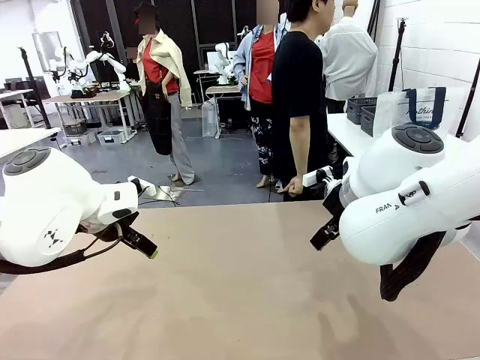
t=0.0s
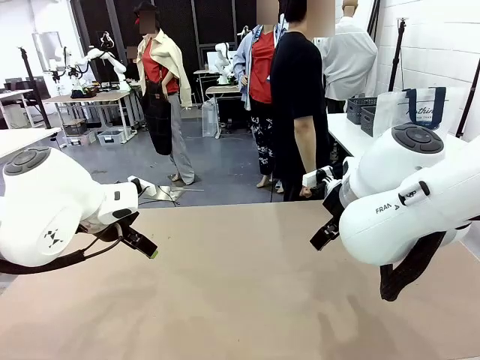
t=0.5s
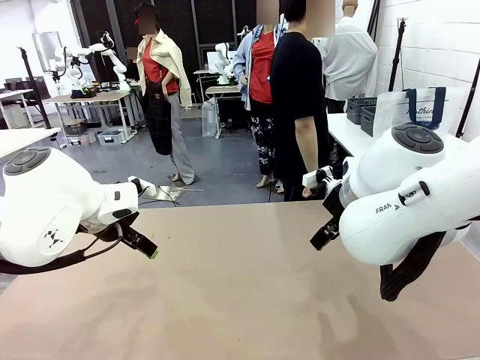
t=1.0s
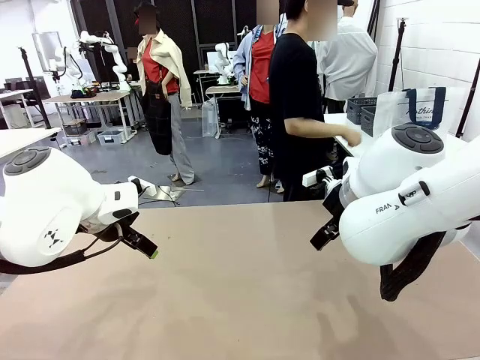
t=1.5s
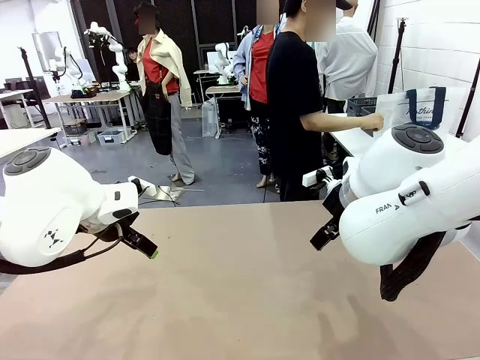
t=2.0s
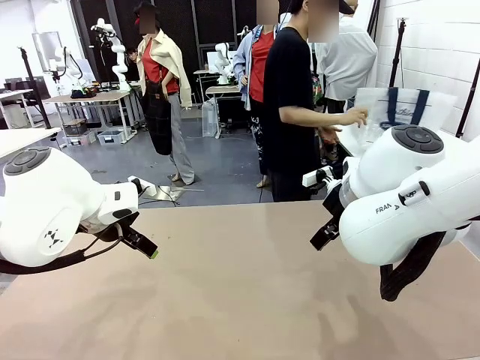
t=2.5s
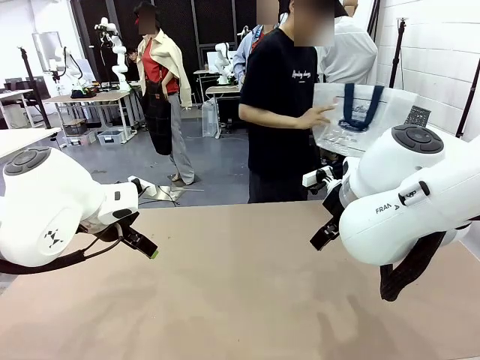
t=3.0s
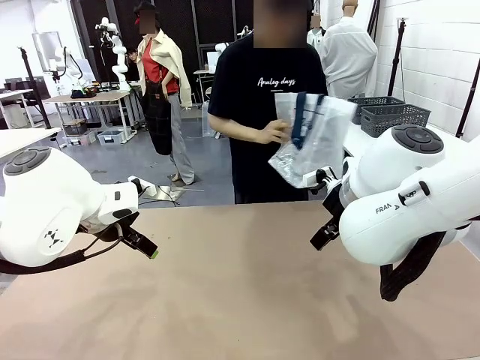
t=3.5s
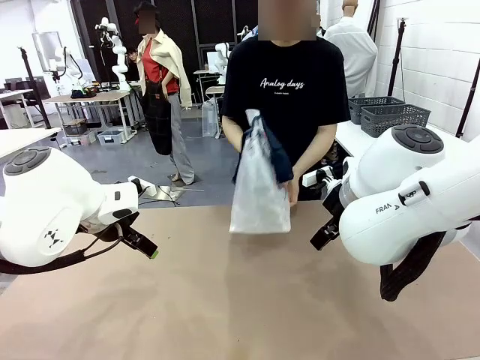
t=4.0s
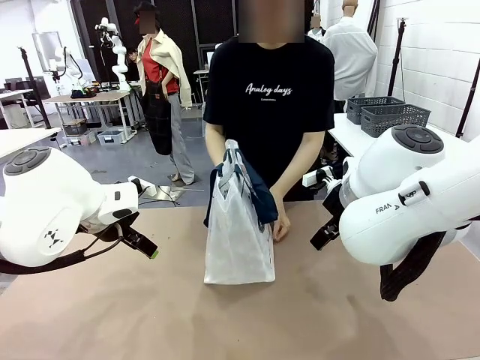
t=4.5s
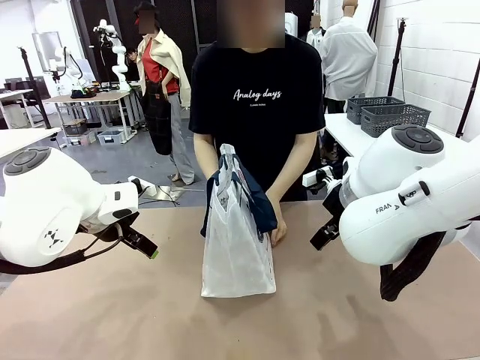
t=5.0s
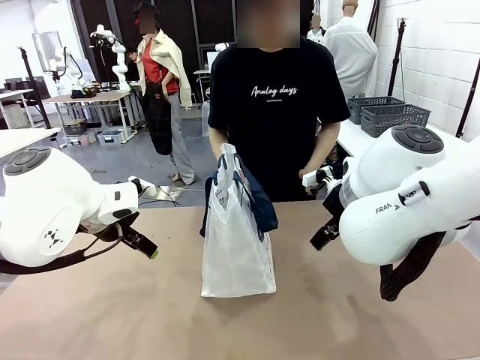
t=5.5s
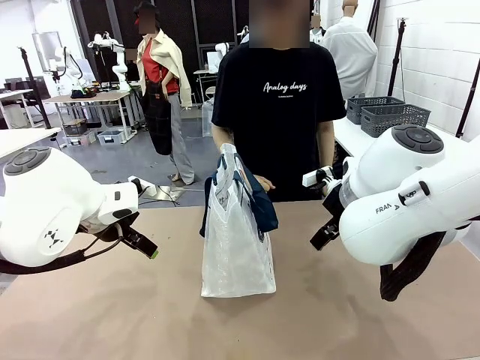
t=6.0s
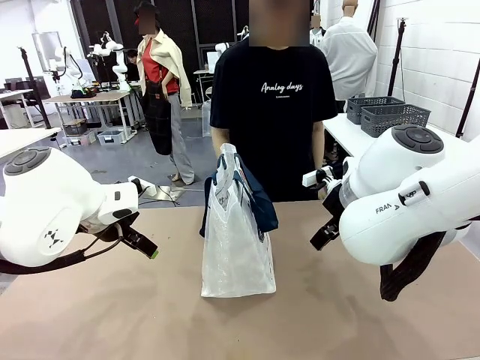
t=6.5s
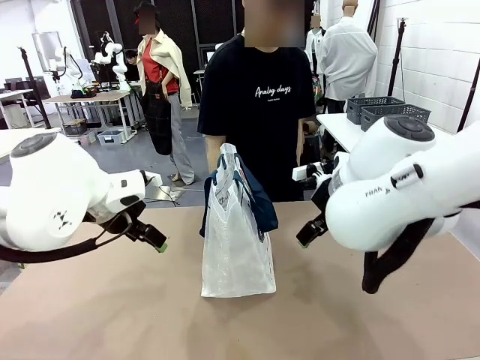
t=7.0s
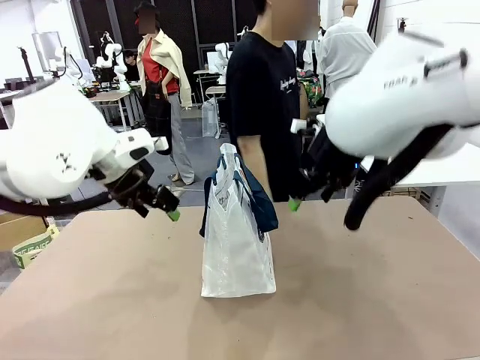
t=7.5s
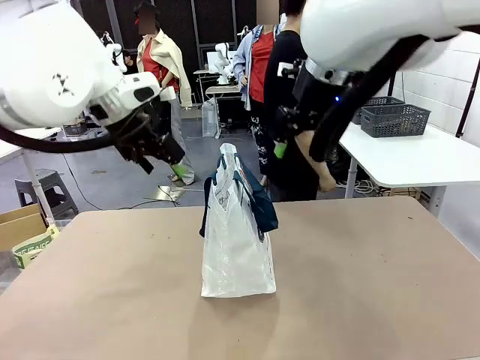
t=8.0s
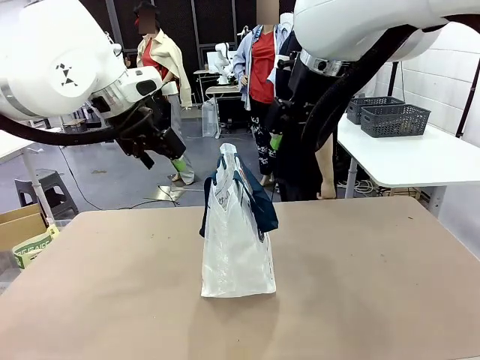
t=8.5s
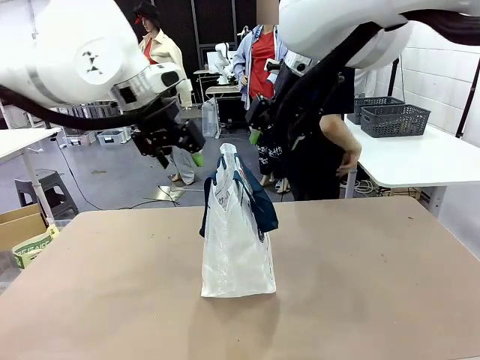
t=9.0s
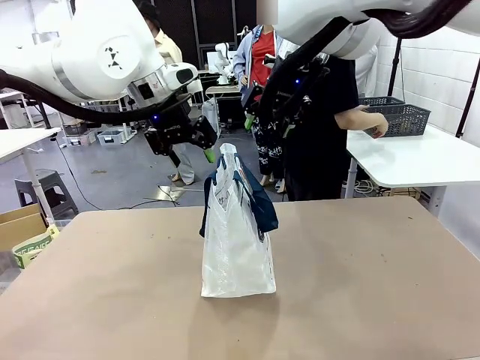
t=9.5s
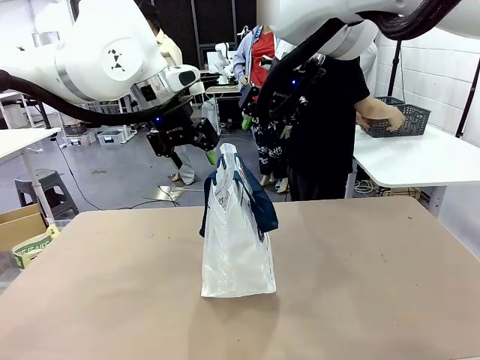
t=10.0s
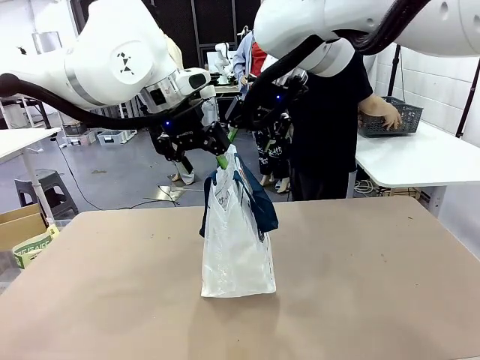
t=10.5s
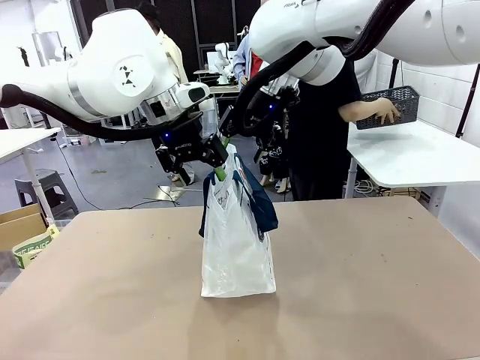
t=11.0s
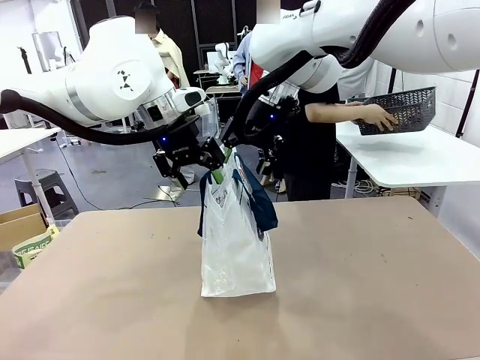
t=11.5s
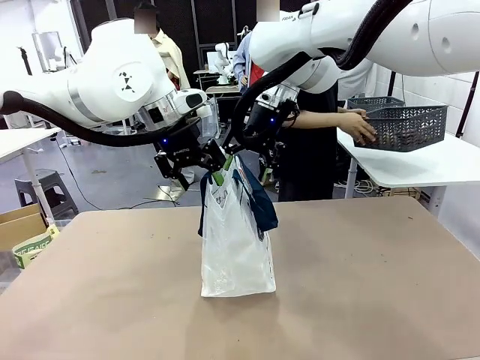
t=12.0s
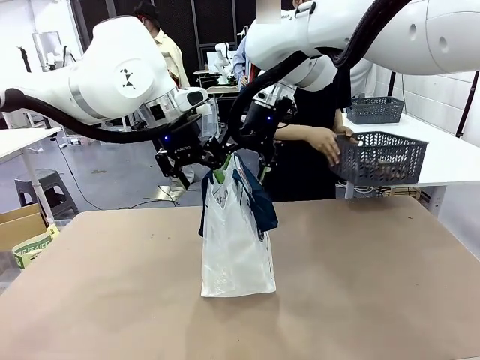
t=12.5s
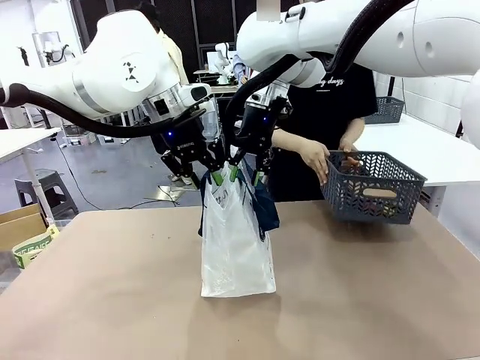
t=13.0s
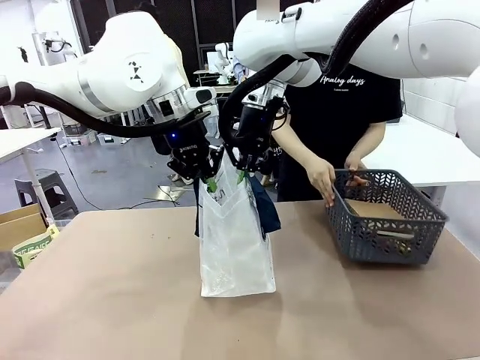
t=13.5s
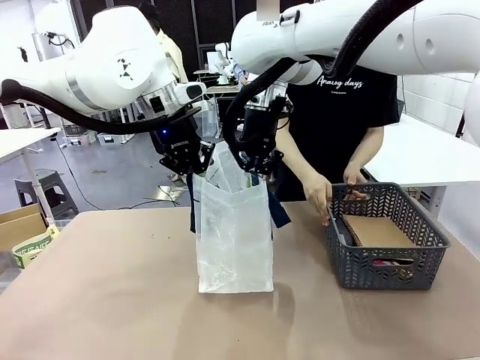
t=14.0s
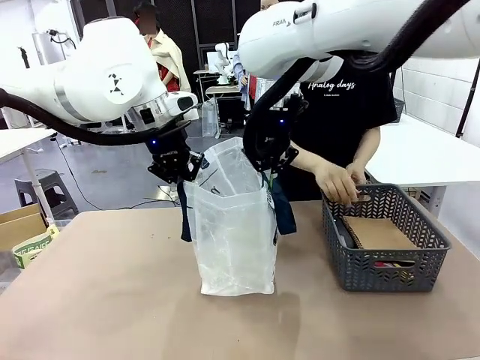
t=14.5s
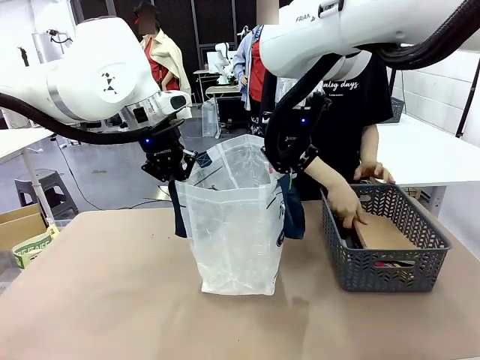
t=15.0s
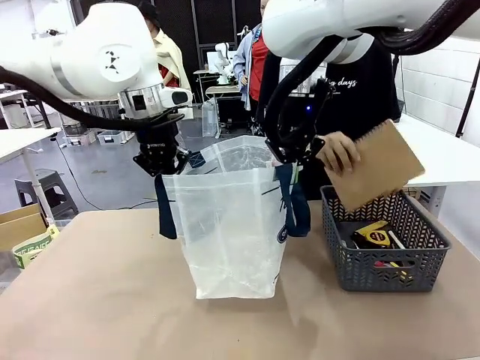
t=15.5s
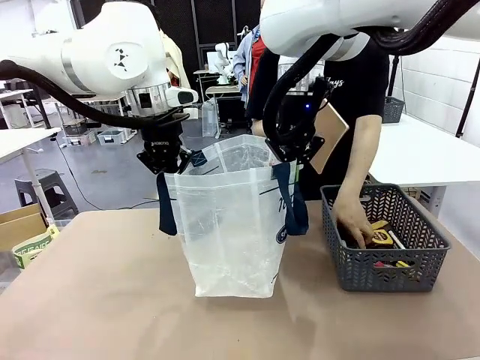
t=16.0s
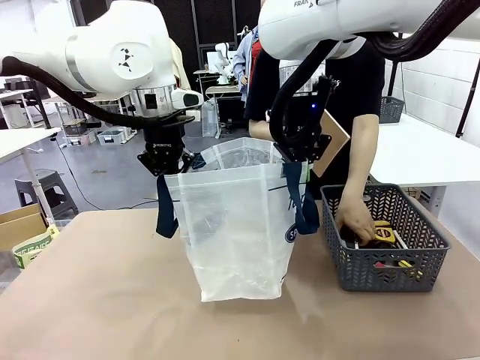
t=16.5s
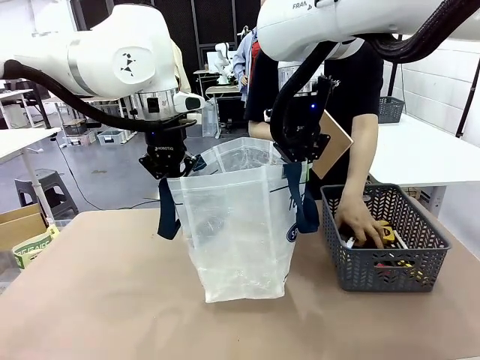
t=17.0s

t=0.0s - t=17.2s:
Task: Transfer purchased items from the store into the shopping bag.
Robot: Open the Reusable shopping bag in the center of the table.
Person: Pick up the shopping bag and place it in the middle of the robot table.

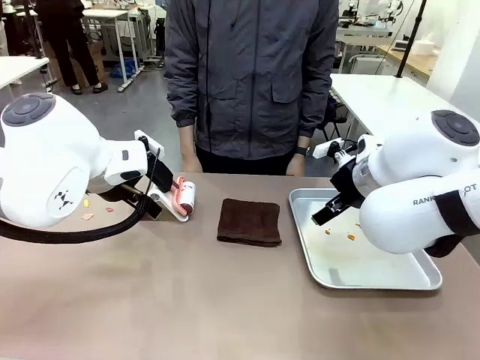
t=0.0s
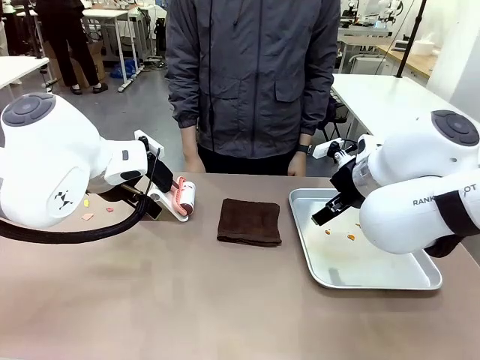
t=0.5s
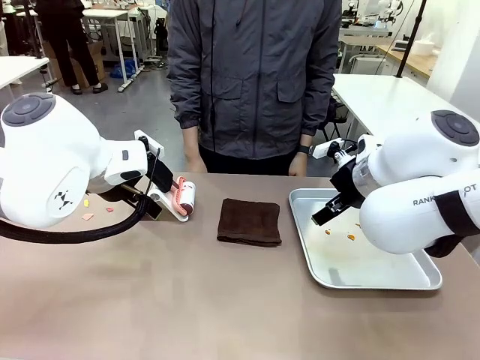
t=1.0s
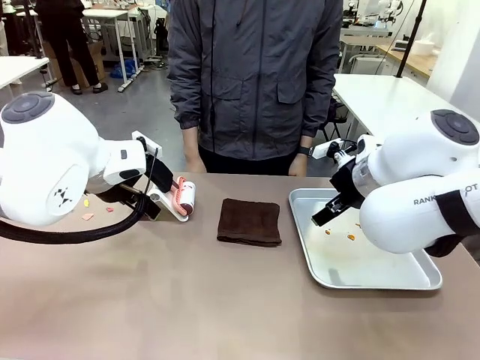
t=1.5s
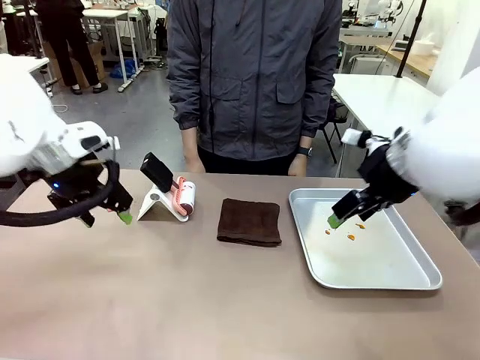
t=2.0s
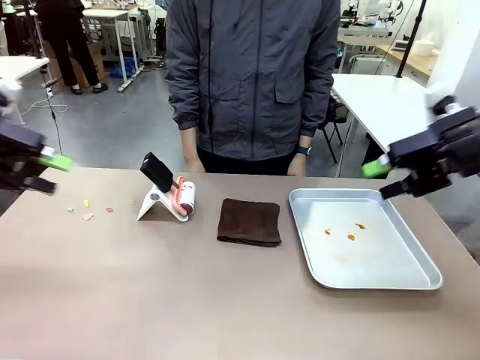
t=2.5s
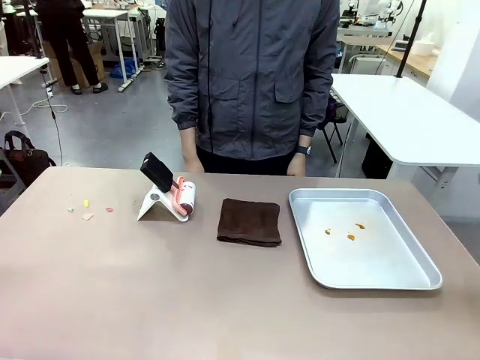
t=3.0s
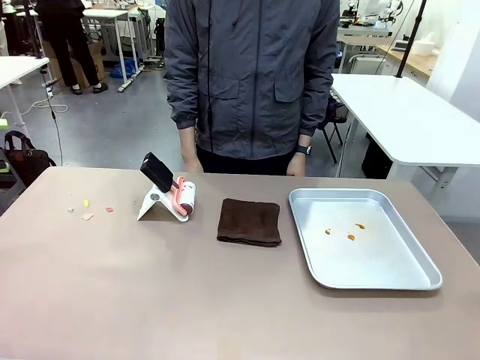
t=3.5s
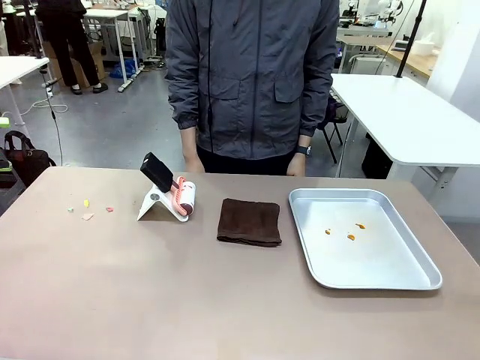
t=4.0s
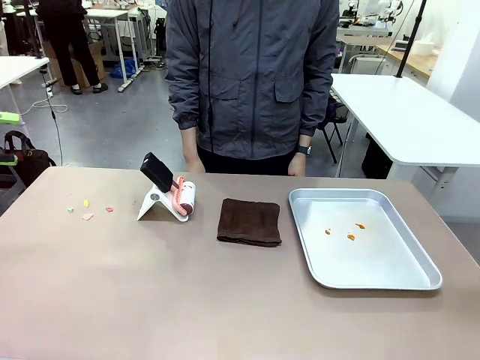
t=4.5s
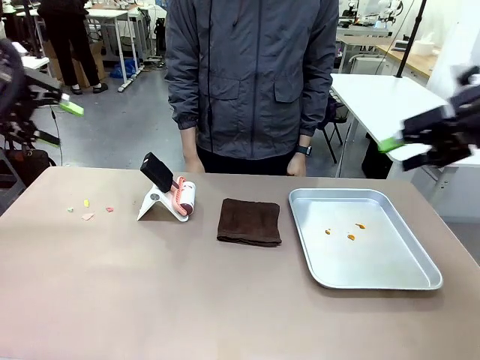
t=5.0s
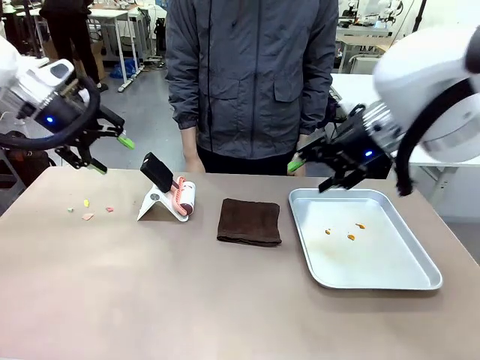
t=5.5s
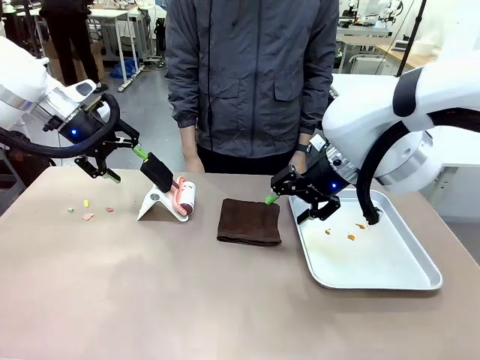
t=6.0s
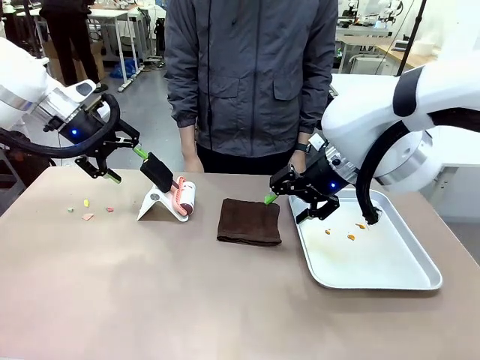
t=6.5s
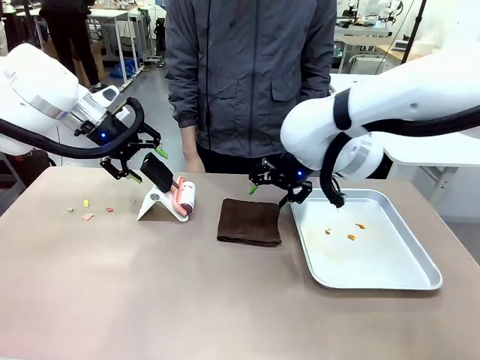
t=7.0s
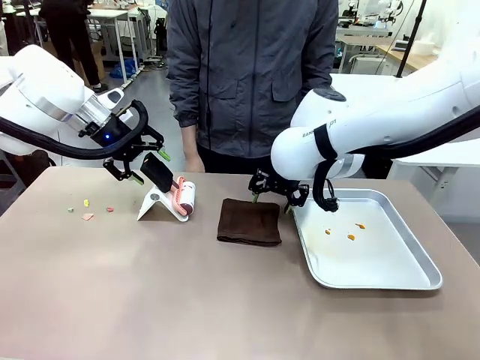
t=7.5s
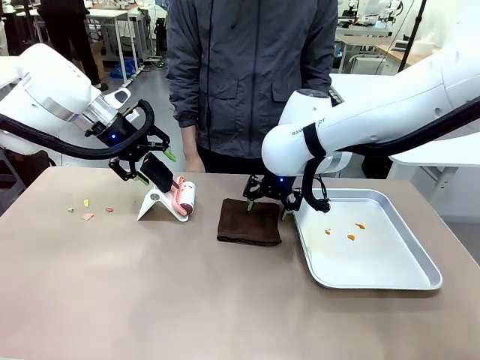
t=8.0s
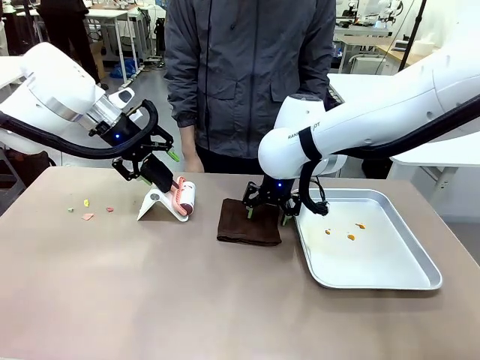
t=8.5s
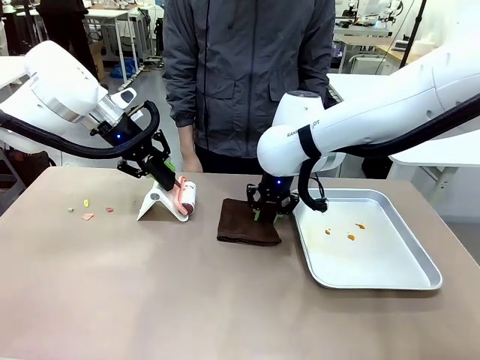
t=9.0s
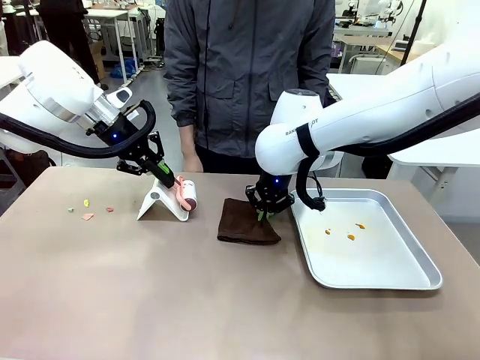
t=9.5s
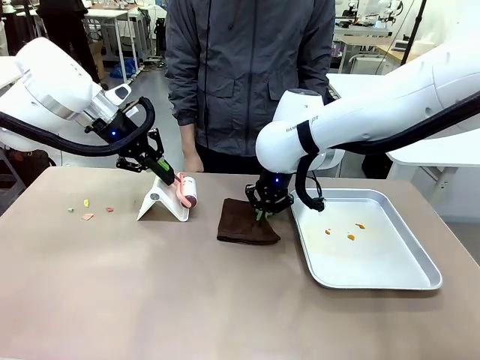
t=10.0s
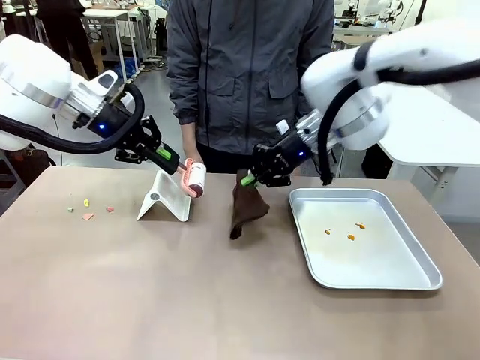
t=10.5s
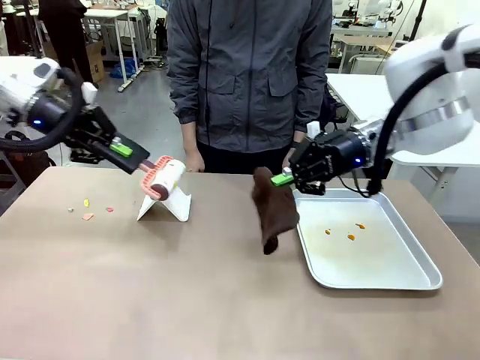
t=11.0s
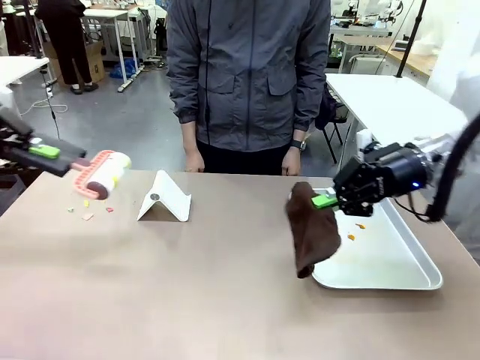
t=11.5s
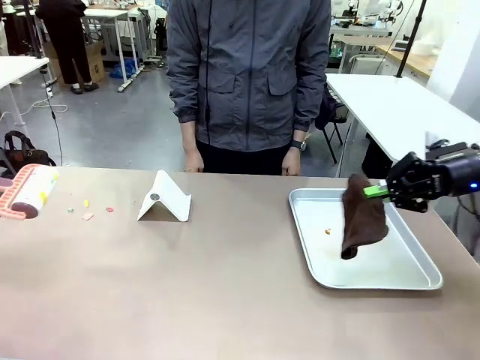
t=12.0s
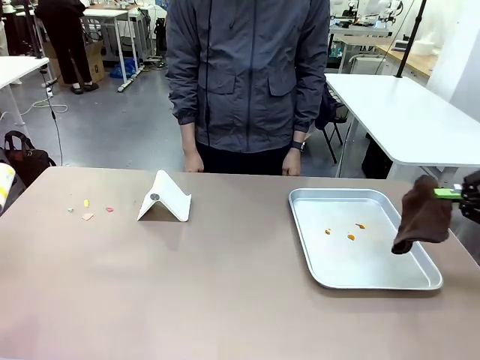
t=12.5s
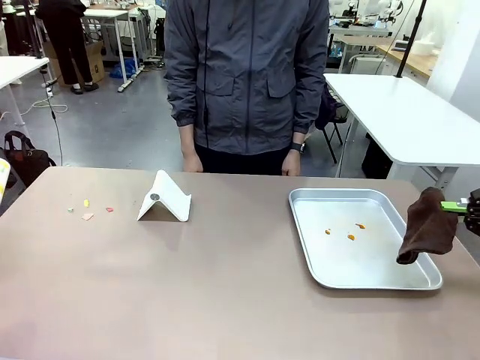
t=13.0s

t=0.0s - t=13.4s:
Task: Clean the surface of the table.
Robot: Hold the Lint Roller with your left hand and the towel with your right hand.
